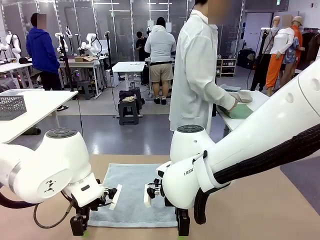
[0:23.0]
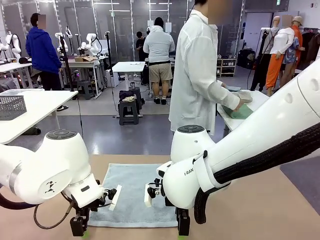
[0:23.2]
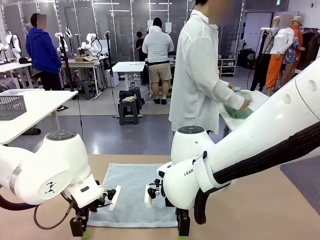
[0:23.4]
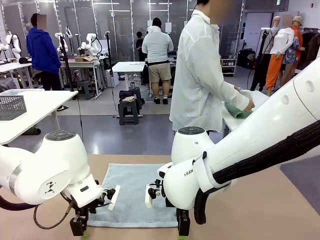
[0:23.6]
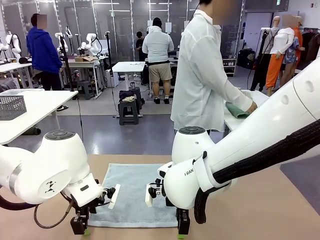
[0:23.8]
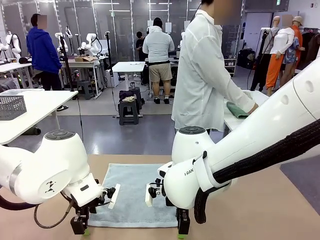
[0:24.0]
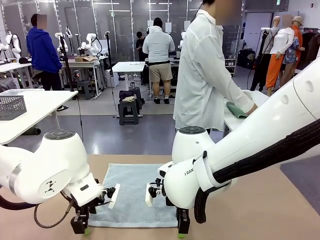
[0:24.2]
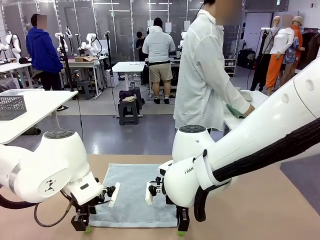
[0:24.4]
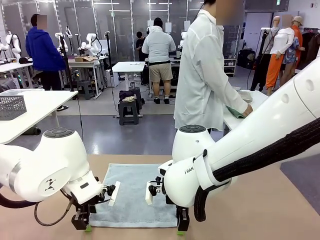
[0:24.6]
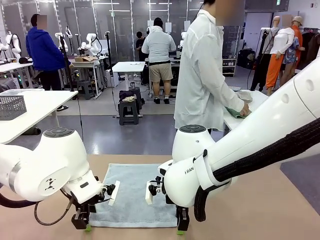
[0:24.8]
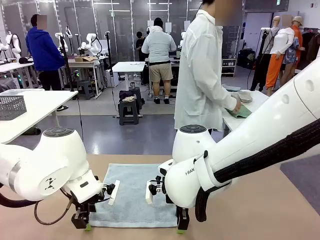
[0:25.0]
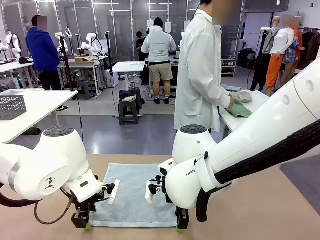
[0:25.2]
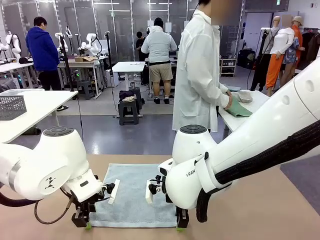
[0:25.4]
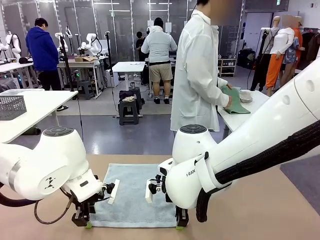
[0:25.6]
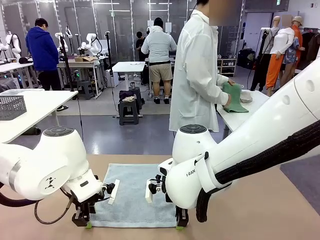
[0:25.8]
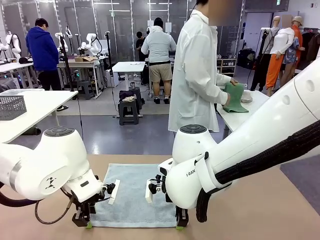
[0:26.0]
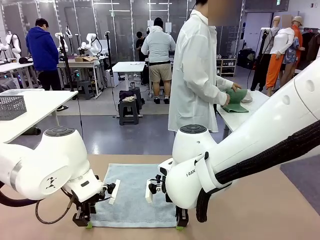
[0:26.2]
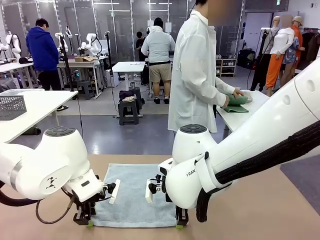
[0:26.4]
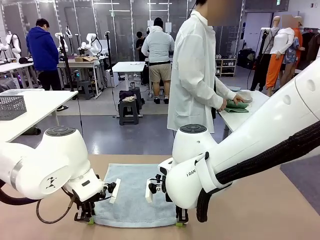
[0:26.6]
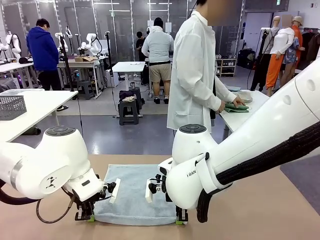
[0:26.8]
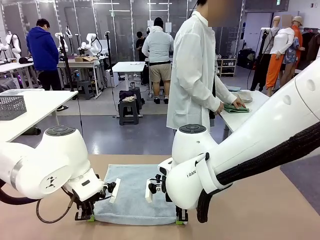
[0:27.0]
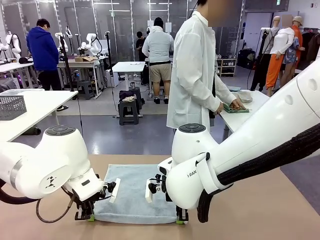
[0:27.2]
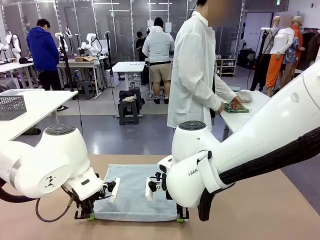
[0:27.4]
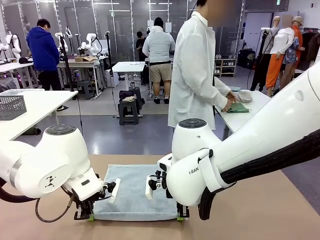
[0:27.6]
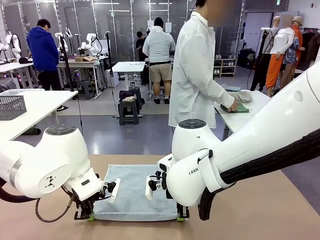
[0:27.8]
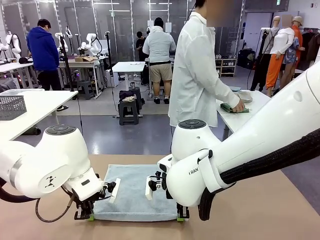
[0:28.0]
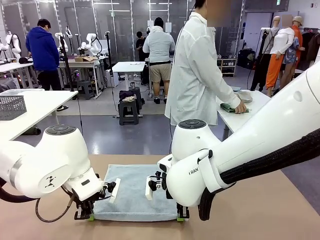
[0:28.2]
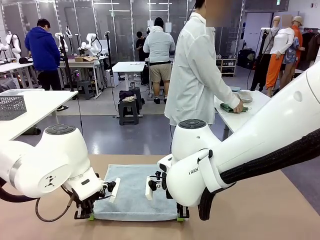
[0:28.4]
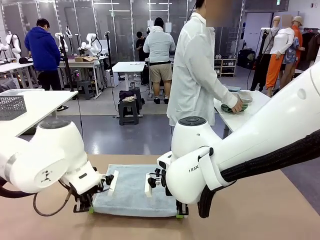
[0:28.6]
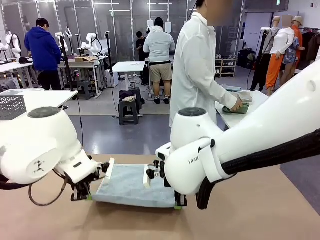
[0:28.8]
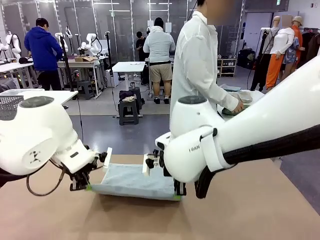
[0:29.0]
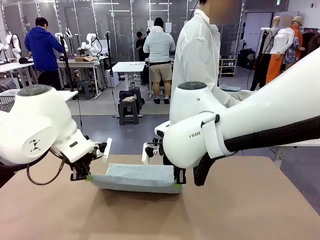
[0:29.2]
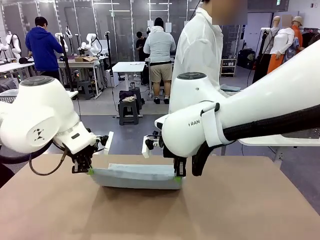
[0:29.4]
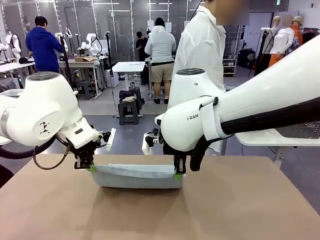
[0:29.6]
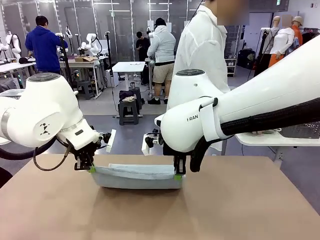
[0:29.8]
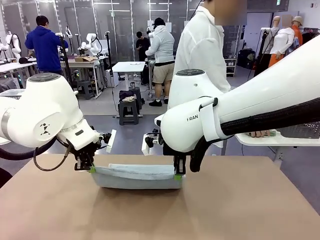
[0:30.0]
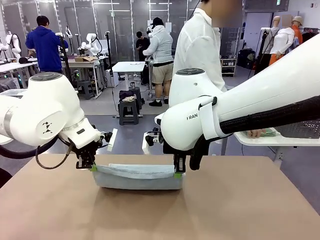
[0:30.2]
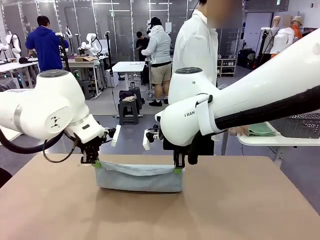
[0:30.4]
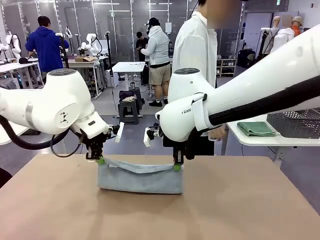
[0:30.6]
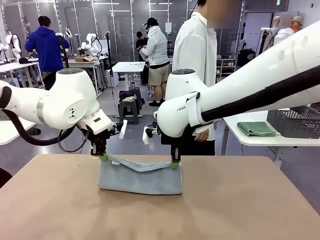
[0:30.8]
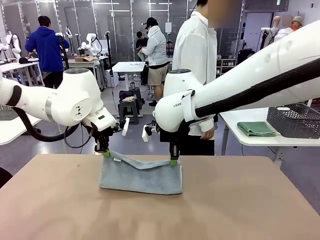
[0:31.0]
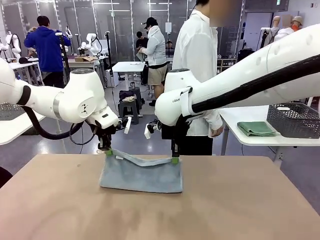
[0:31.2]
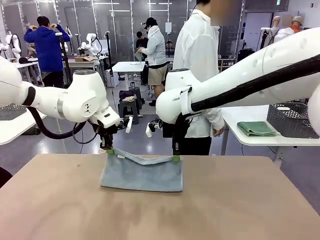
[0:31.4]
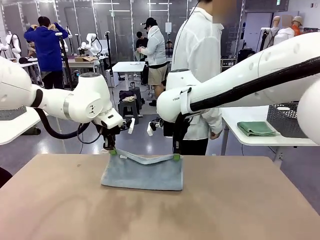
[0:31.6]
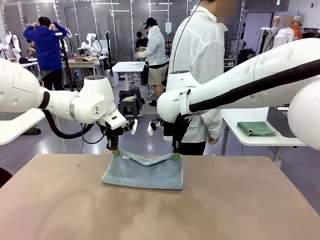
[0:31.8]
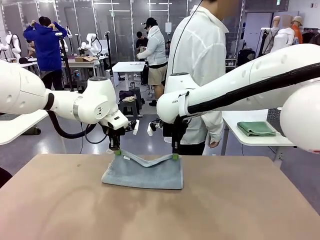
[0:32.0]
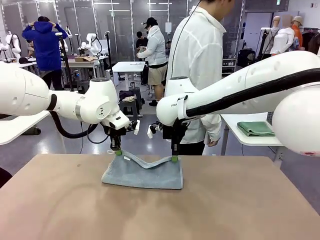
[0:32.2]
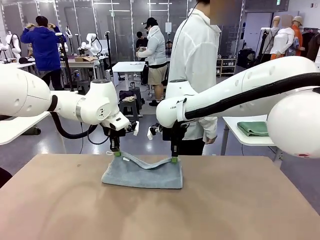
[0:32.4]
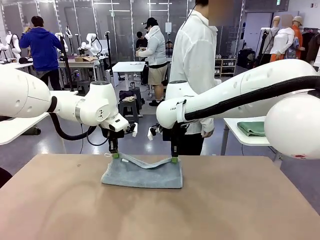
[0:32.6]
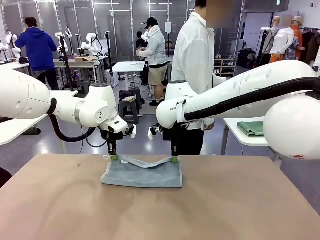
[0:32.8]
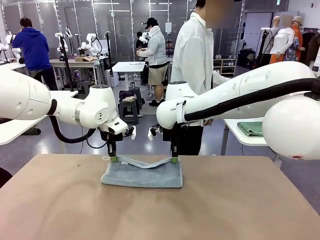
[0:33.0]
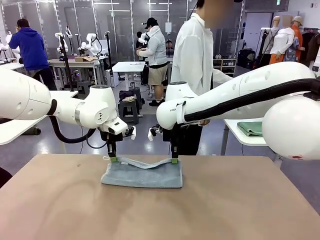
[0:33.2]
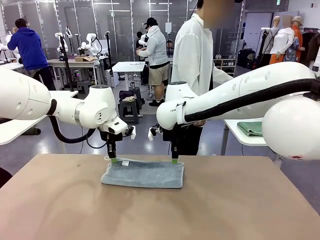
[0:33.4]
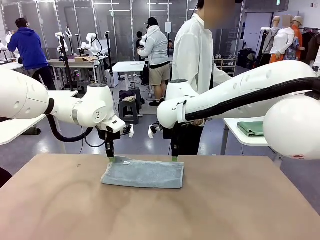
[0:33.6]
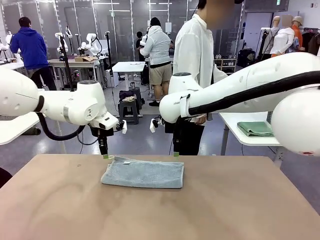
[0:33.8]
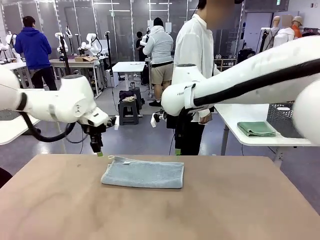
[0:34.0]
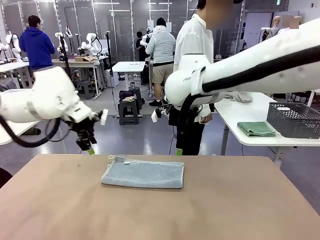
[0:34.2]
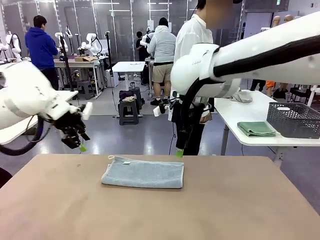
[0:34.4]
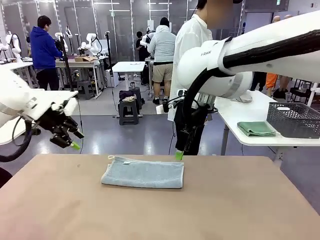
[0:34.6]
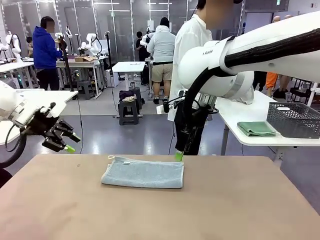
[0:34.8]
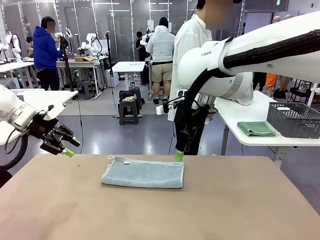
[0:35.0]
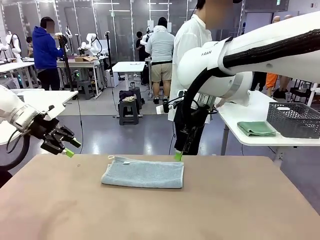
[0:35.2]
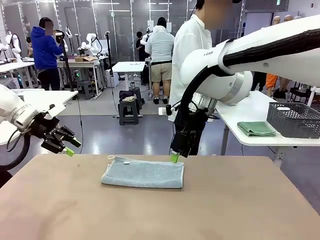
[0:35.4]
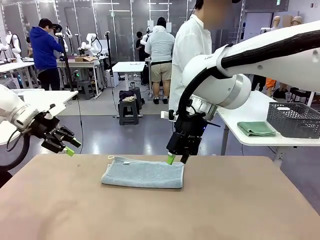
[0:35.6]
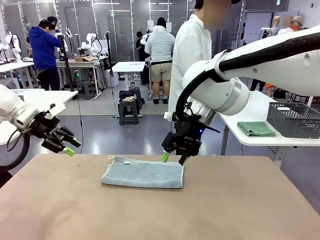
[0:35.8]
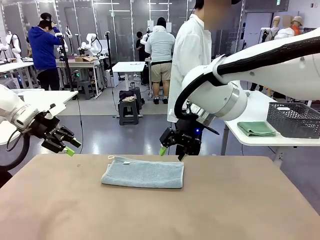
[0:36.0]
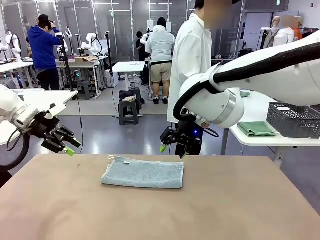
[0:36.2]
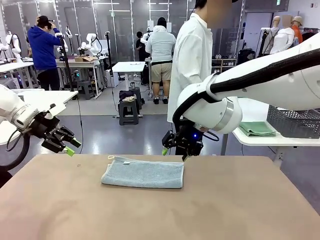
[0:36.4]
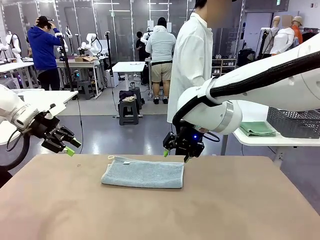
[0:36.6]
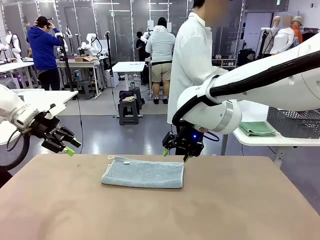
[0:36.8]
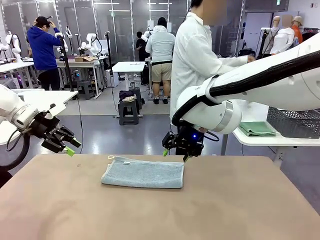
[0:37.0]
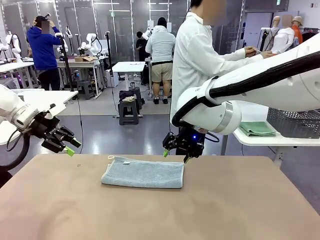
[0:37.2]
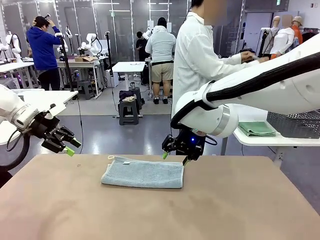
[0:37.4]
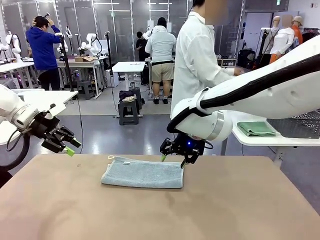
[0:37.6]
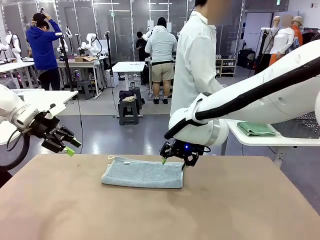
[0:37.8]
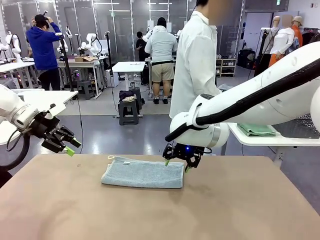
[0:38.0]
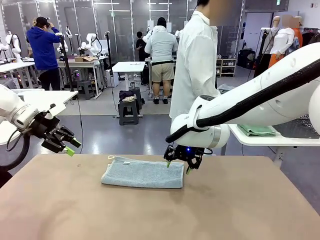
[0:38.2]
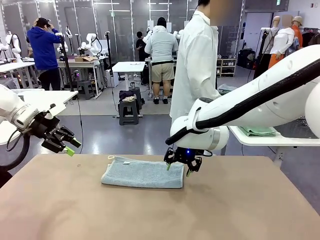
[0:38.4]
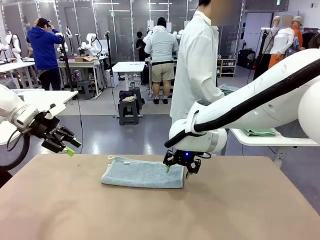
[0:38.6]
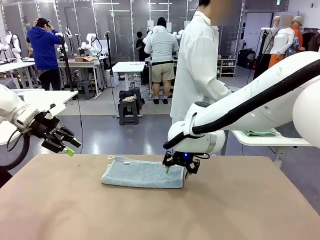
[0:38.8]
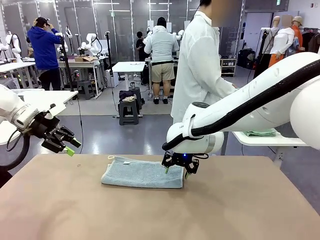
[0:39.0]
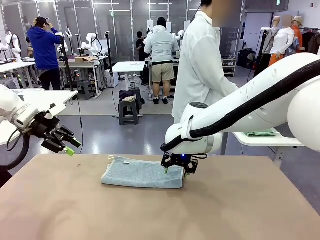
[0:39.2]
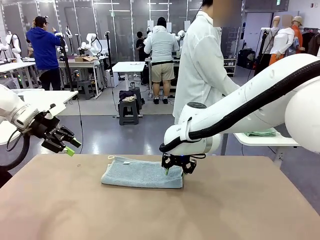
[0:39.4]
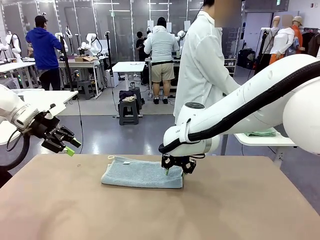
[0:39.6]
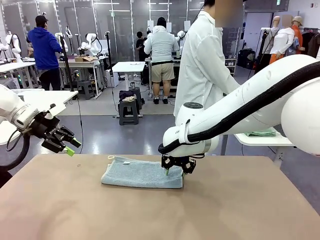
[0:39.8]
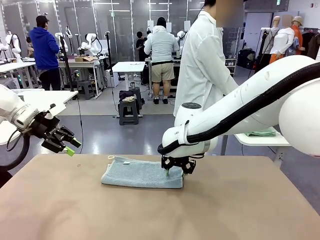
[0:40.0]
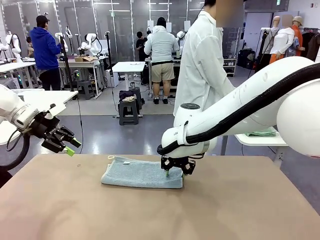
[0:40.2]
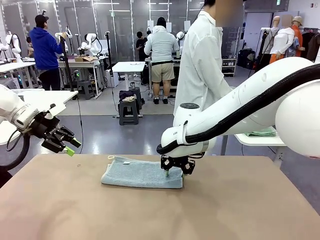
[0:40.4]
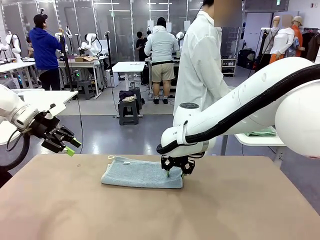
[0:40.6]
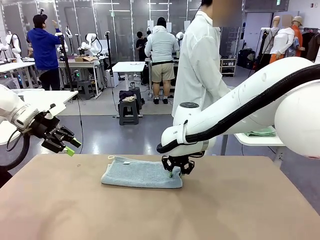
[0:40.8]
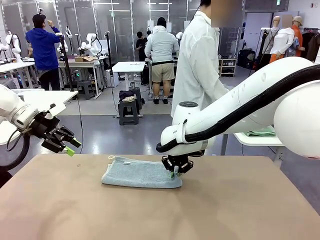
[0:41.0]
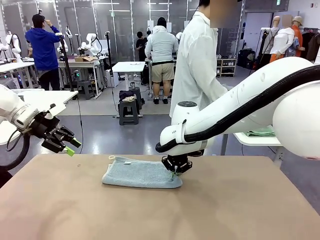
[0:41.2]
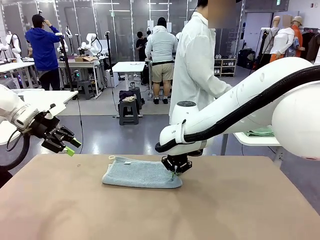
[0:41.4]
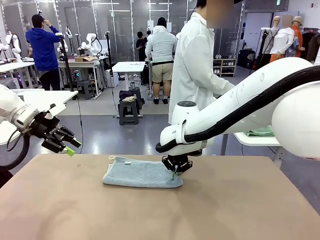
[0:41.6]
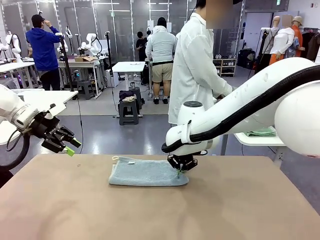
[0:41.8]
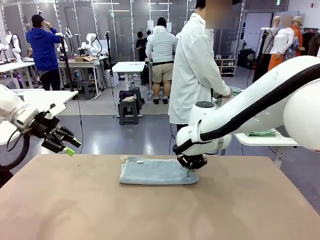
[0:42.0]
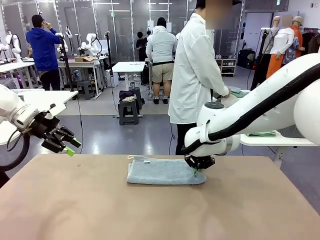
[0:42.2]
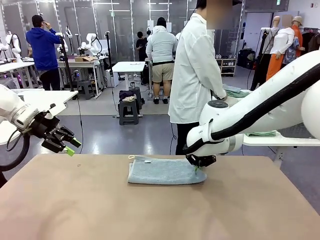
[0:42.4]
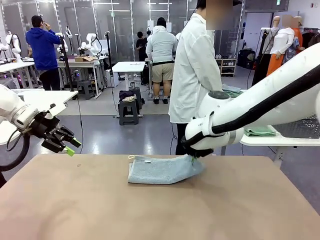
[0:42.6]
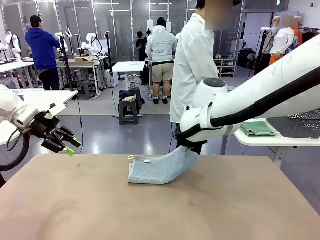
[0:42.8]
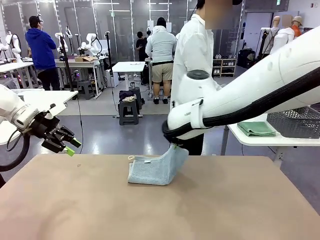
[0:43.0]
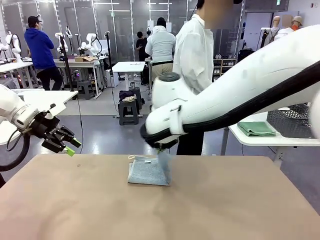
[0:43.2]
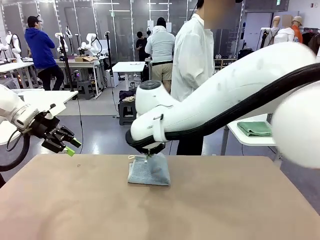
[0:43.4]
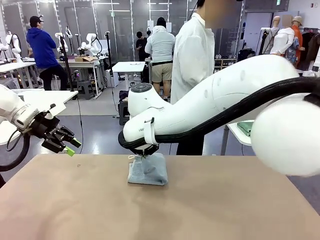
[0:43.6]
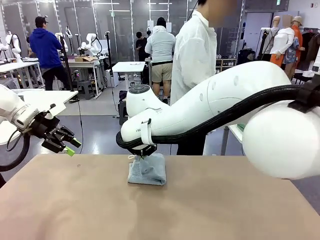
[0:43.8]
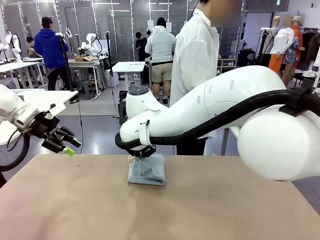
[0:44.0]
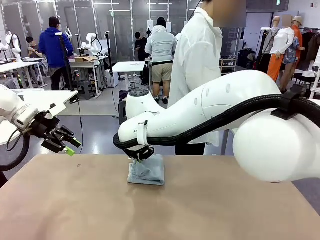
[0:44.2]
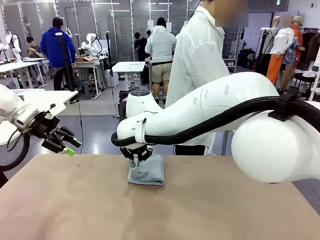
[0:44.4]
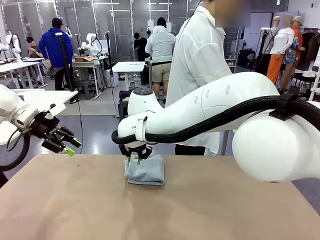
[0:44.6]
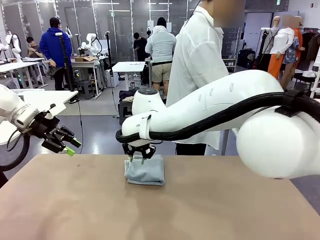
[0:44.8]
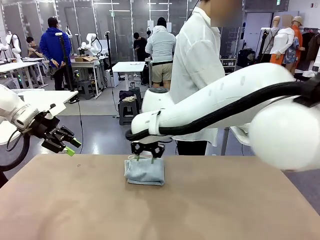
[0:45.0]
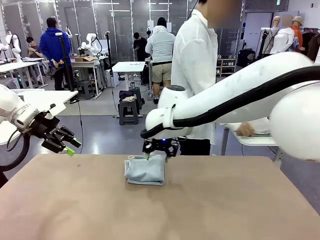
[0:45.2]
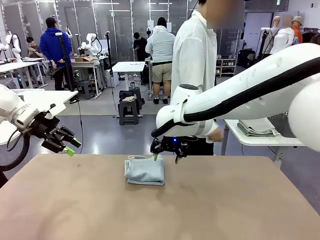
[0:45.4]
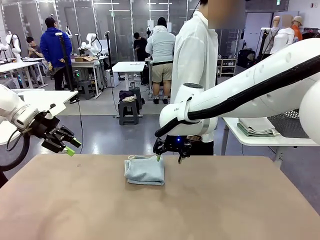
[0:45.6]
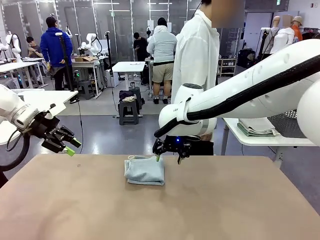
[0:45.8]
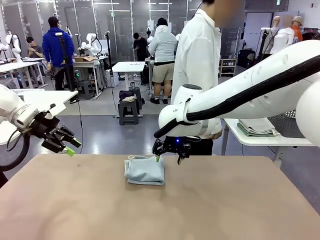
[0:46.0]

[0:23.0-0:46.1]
Task: Fold the towels and place them in the basket.
Robot: When a person lays out a Towel with hook on the table, fold it in half twice.
Person: Pick up one towel from the left side of the human table, fold it in half twice, and place it on the right side of the table. Pick up one towel from the left side of the human table, fold it in half twice, and stack it on the right side of the table.
